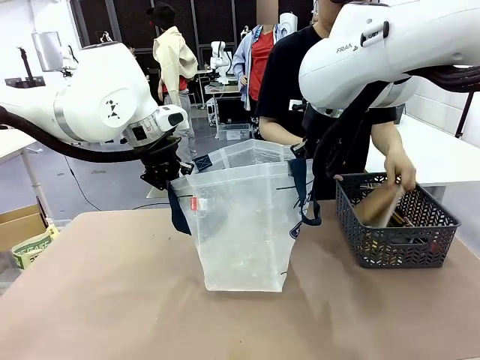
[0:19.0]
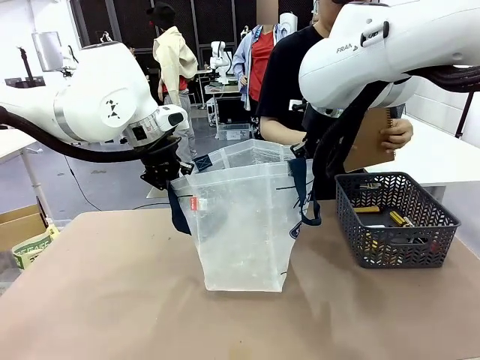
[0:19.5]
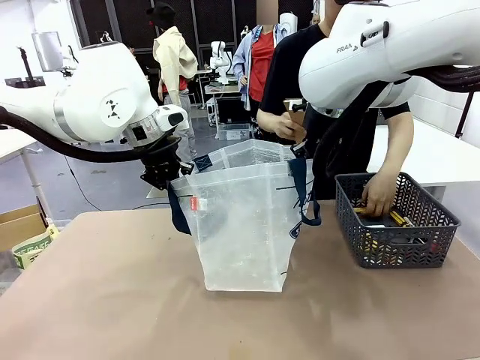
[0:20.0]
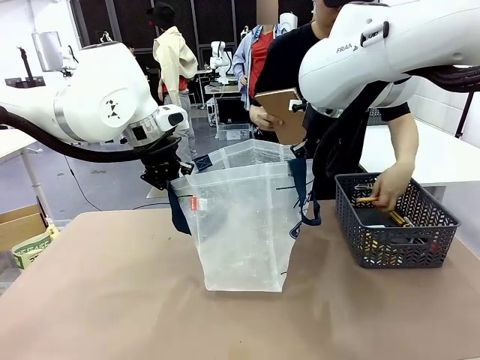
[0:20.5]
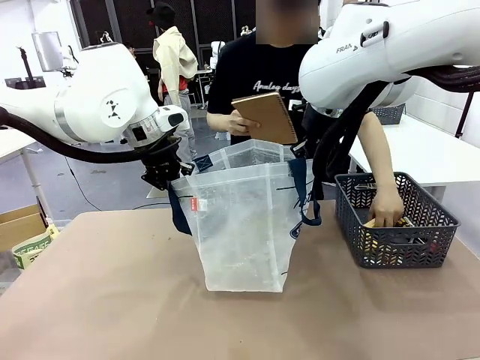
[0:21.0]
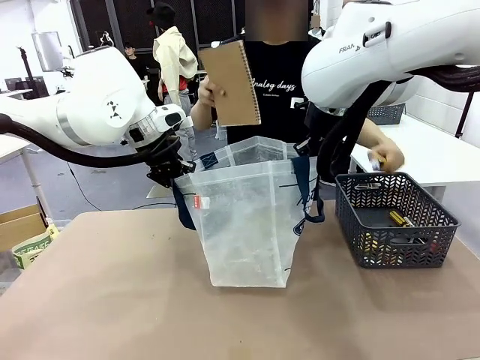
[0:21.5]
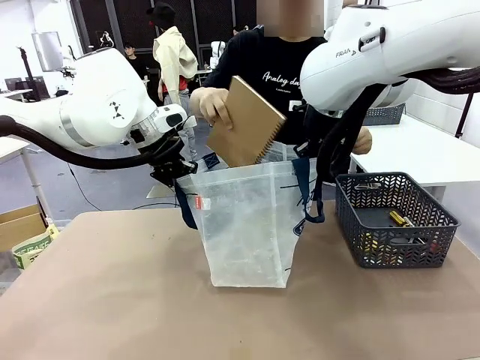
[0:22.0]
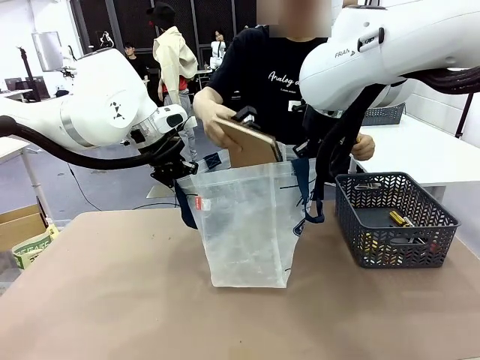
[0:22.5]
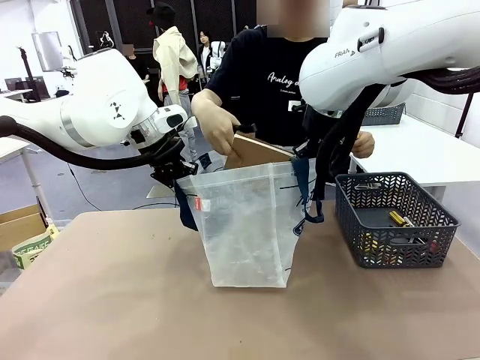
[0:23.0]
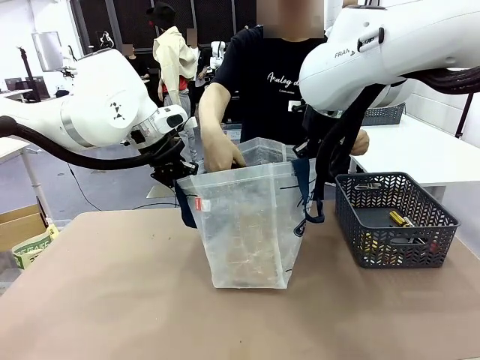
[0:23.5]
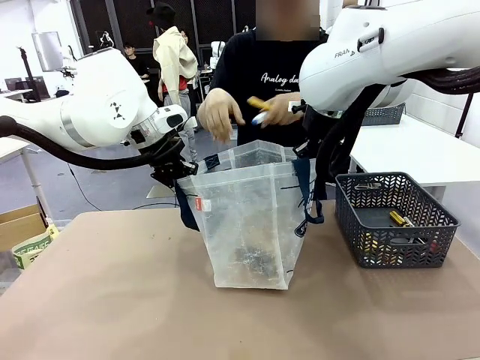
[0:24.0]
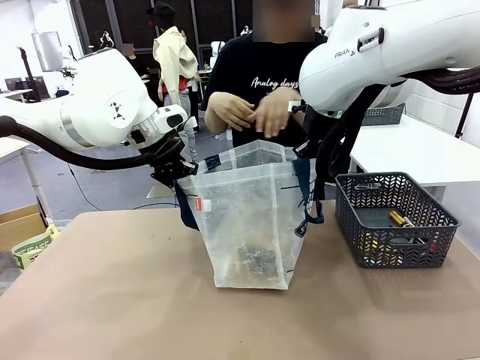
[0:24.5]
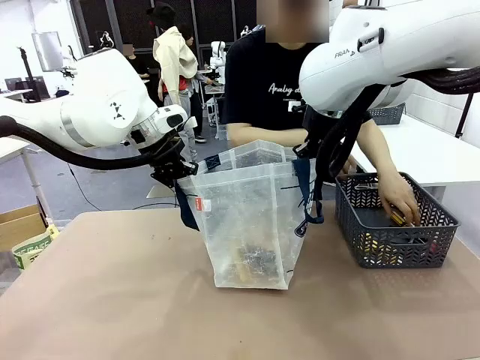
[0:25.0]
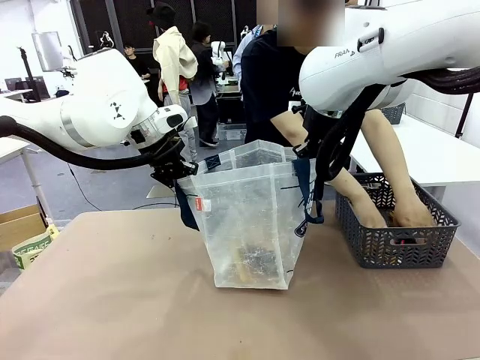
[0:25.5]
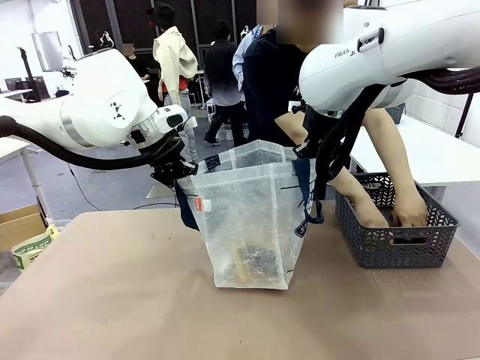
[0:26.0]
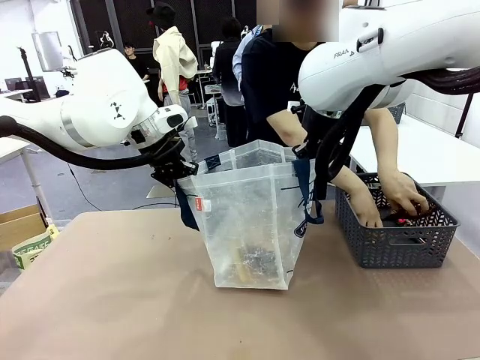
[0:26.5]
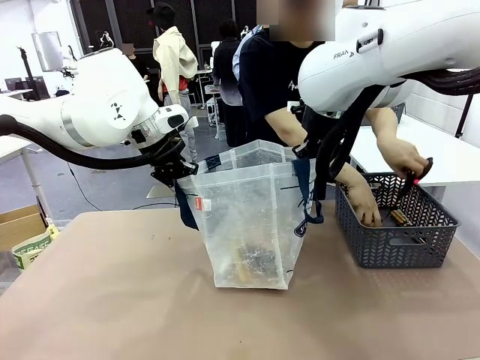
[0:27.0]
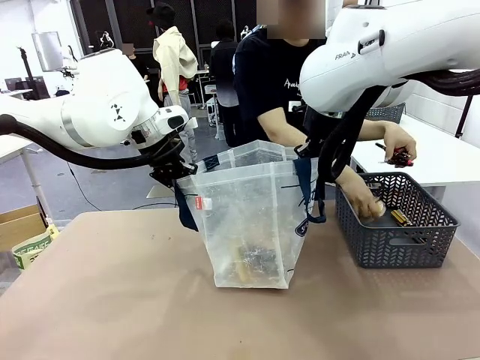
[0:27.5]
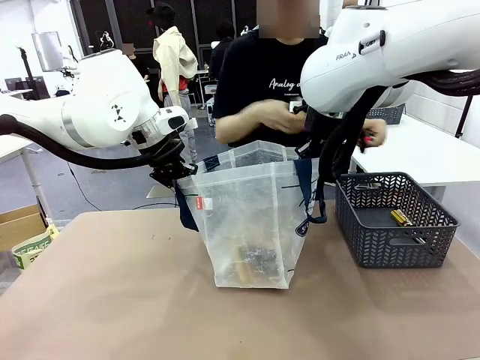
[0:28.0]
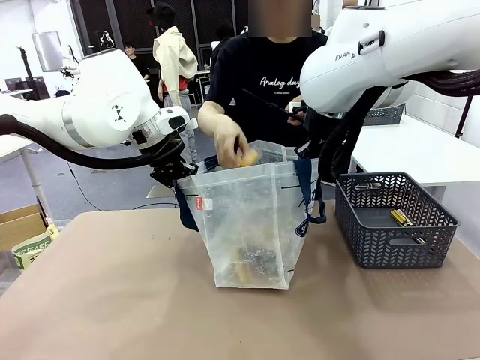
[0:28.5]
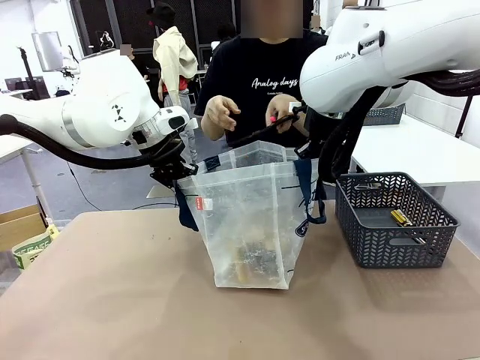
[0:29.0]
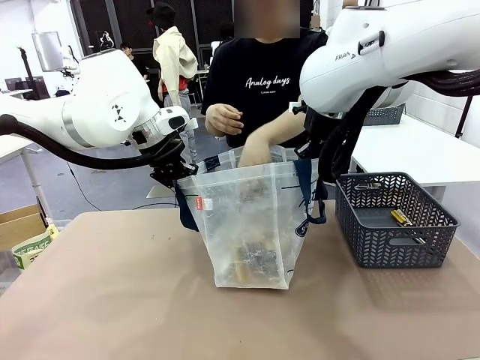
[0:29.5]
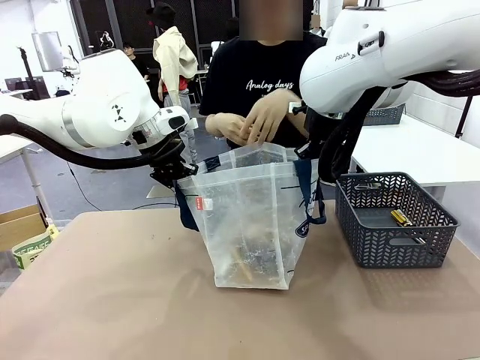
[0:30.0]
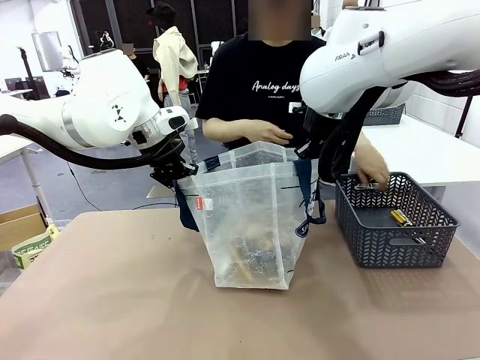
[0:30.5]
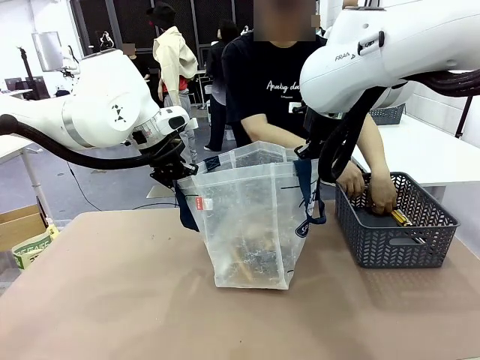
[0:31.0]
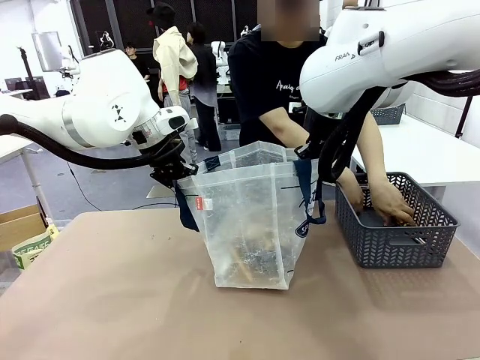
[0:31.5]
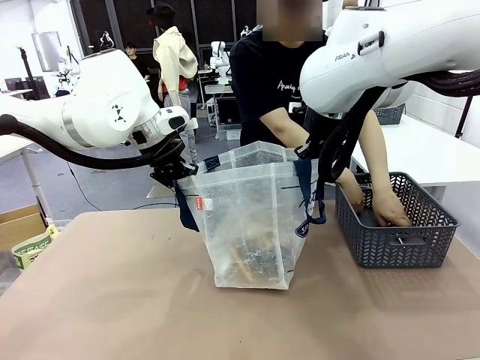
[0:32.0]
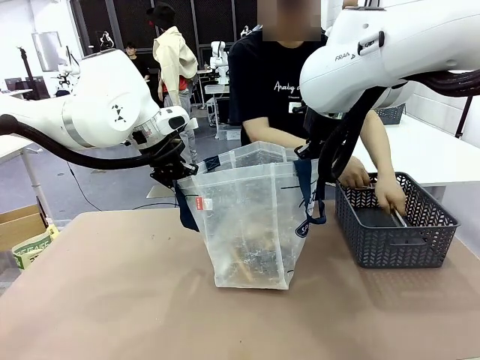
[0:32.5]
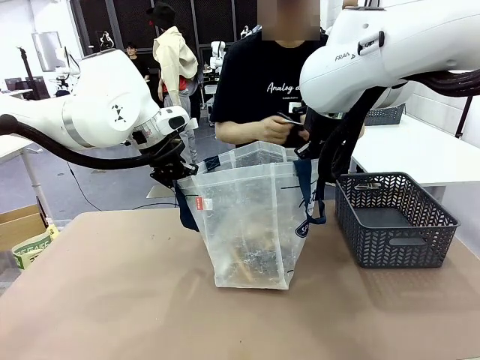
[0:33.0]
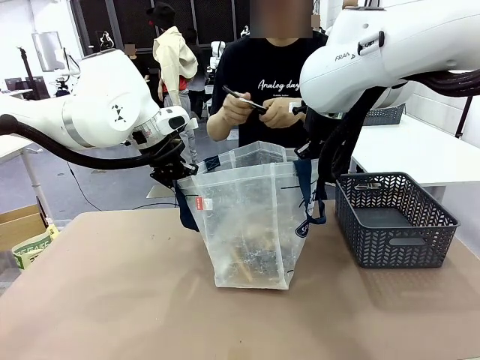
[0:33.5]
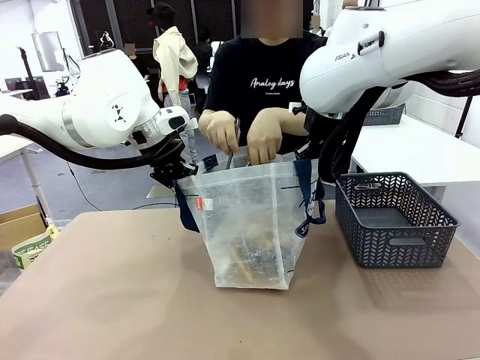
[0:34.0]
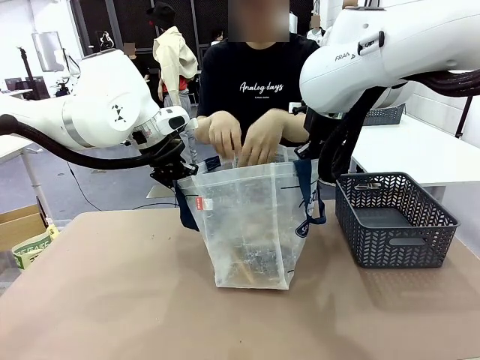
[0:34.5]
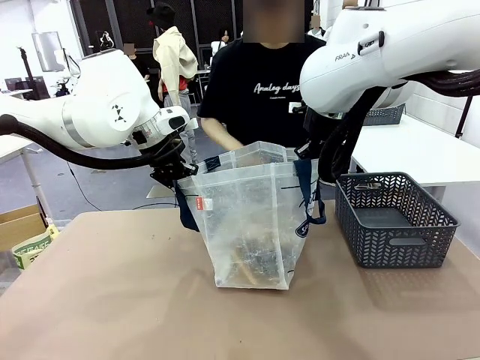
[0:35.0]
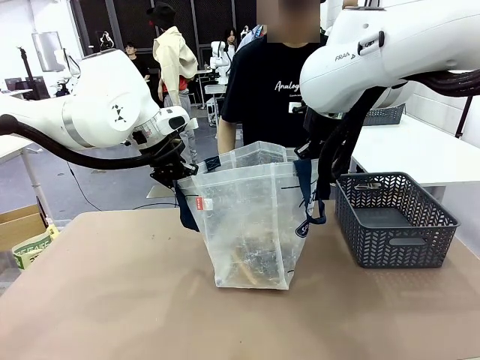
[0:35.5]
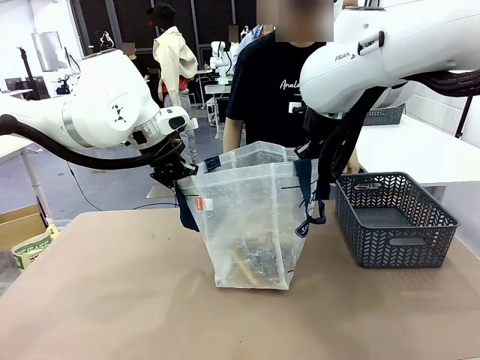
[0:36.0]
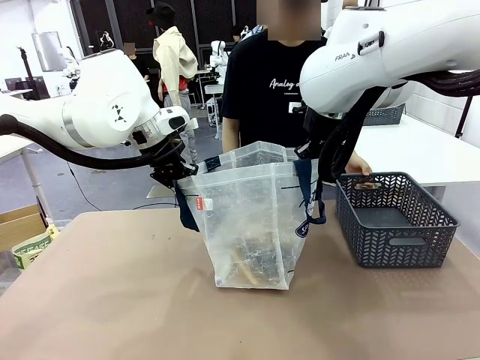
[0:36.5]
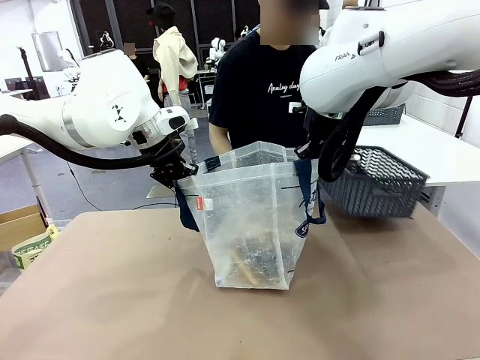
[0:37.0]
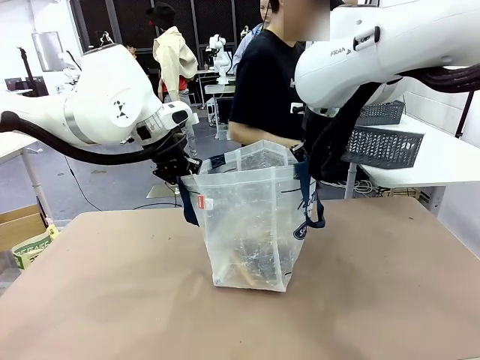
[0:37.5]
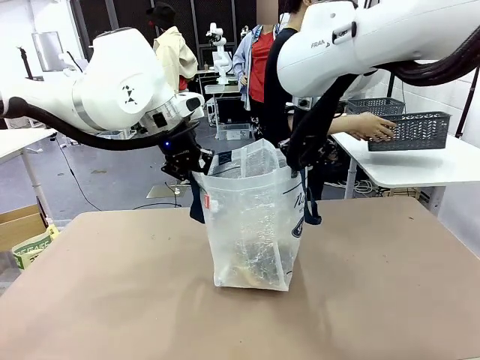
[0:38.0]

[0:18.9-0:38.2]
Task: Transfer purchased items from the store into the shopping bag.
Robot: Move the Reusable shopping bag to the right side of the table.
Person: Pick up the basket on the right, place it on the left side of the robot table, and move the items in the basket to the shopping bag. Pick up the basket with the items out and place it on the right side of the human table.
